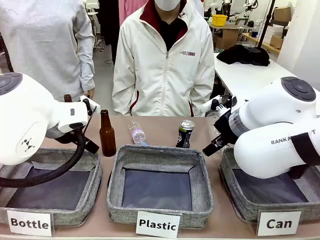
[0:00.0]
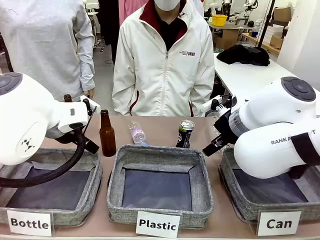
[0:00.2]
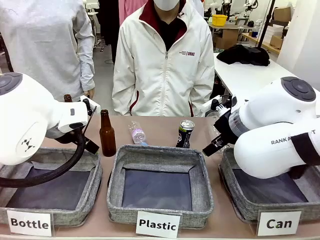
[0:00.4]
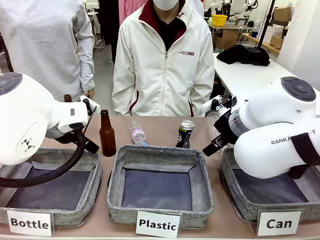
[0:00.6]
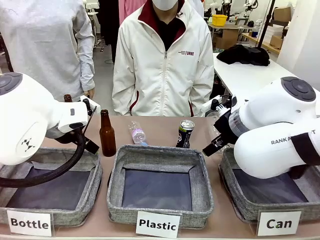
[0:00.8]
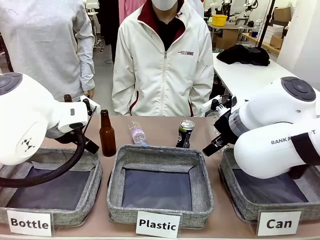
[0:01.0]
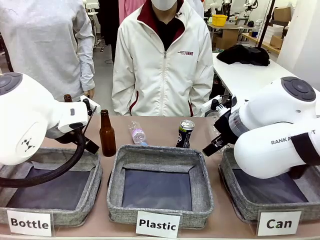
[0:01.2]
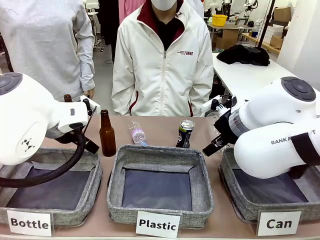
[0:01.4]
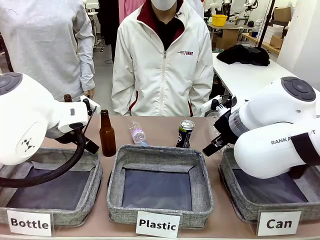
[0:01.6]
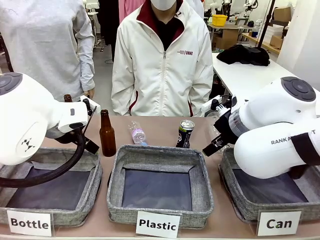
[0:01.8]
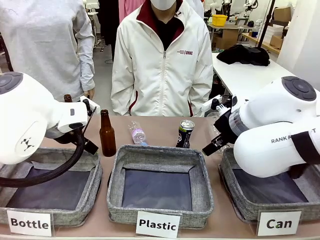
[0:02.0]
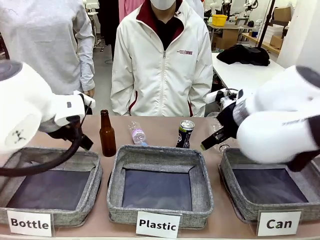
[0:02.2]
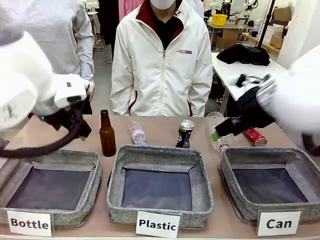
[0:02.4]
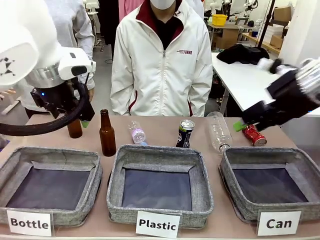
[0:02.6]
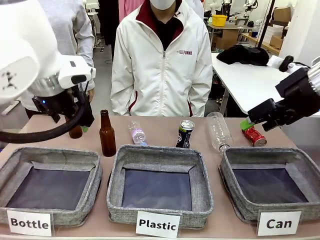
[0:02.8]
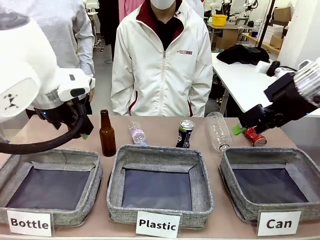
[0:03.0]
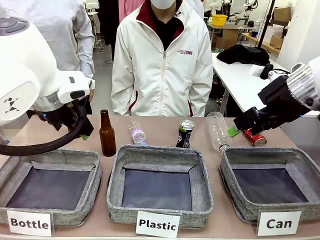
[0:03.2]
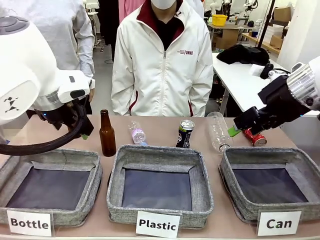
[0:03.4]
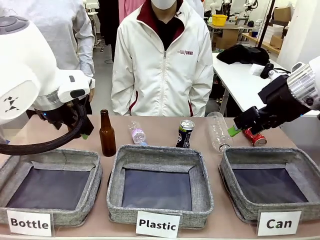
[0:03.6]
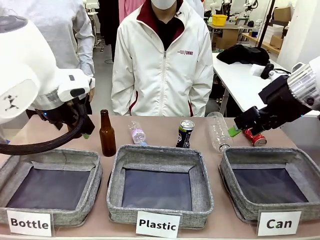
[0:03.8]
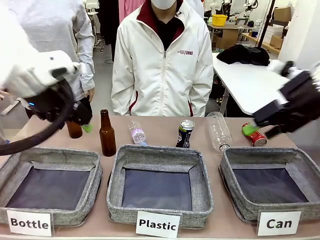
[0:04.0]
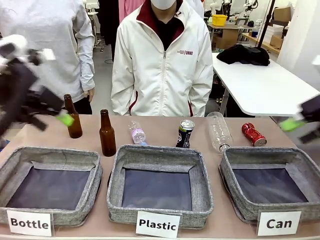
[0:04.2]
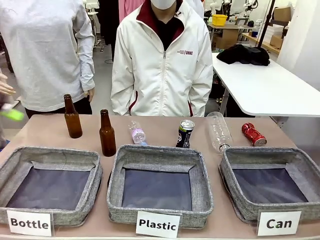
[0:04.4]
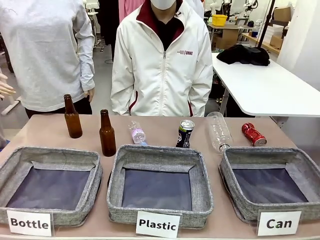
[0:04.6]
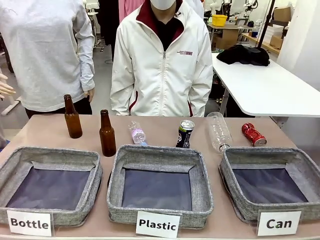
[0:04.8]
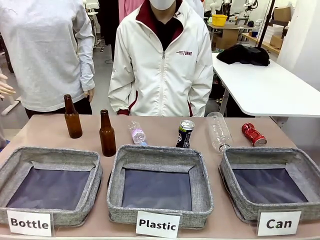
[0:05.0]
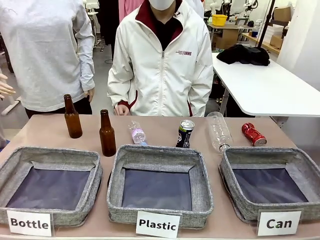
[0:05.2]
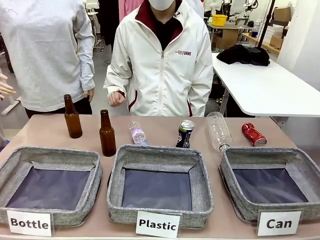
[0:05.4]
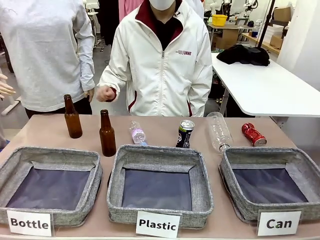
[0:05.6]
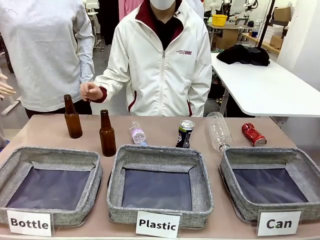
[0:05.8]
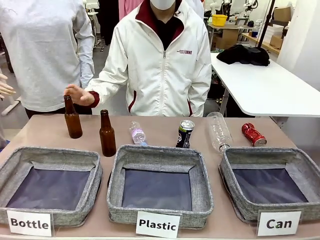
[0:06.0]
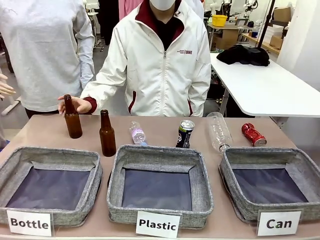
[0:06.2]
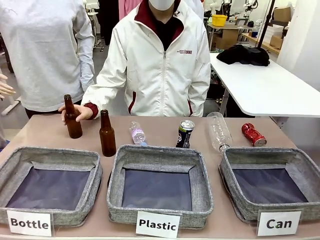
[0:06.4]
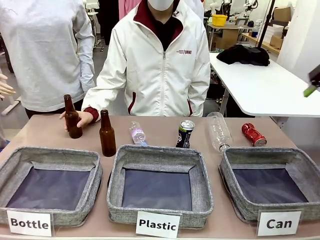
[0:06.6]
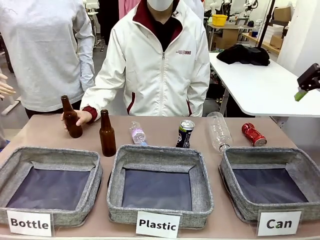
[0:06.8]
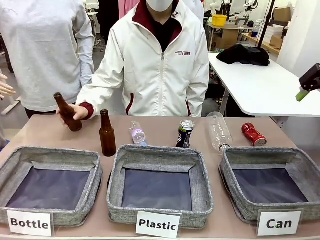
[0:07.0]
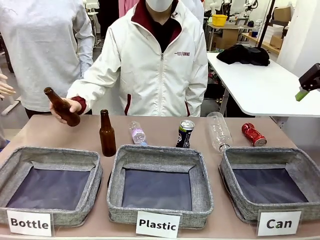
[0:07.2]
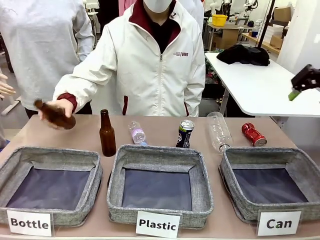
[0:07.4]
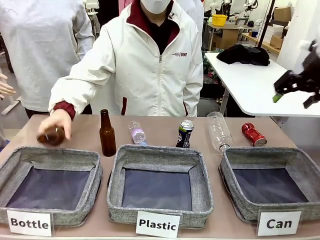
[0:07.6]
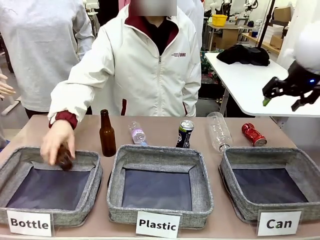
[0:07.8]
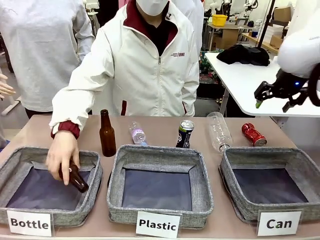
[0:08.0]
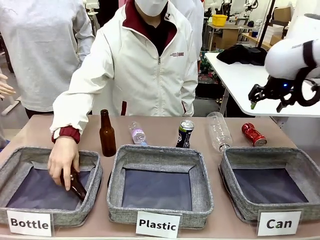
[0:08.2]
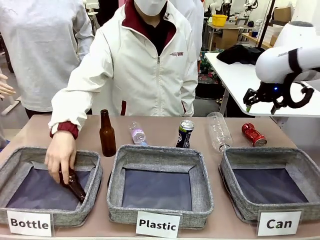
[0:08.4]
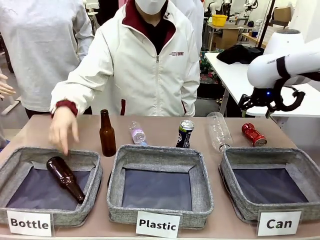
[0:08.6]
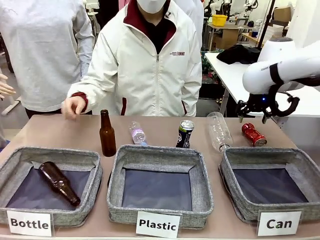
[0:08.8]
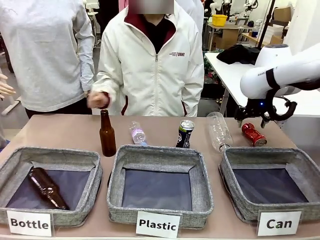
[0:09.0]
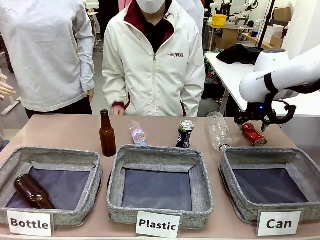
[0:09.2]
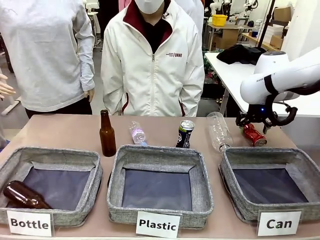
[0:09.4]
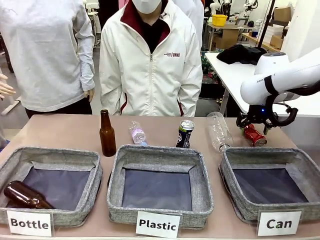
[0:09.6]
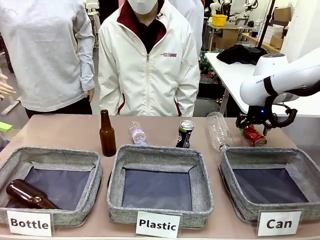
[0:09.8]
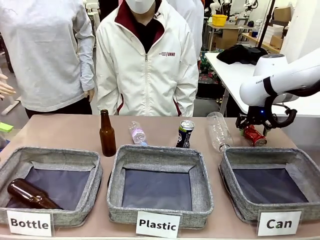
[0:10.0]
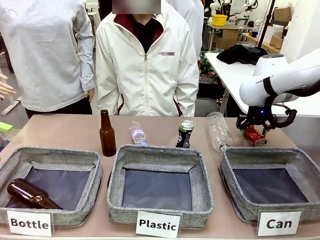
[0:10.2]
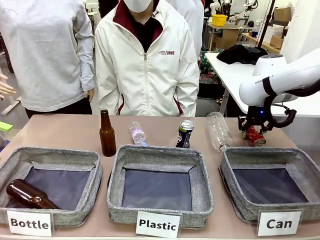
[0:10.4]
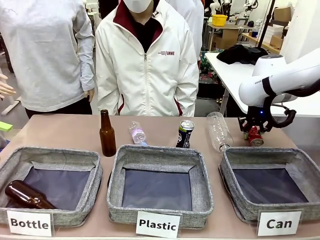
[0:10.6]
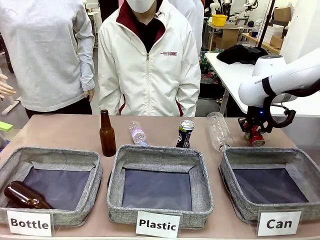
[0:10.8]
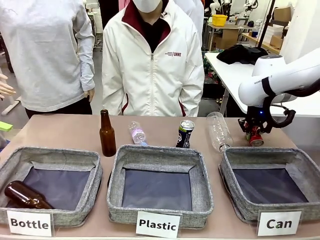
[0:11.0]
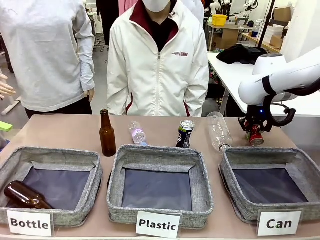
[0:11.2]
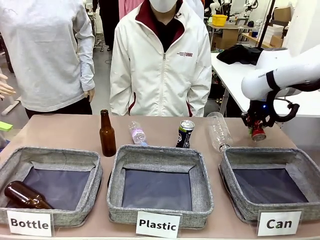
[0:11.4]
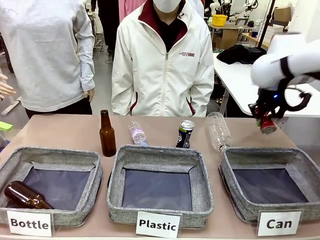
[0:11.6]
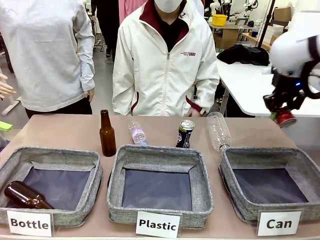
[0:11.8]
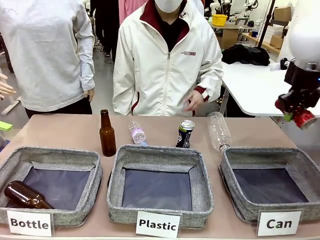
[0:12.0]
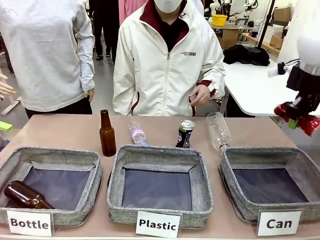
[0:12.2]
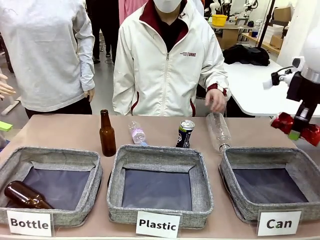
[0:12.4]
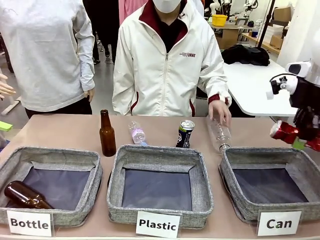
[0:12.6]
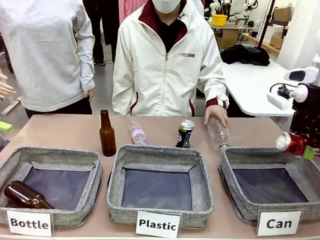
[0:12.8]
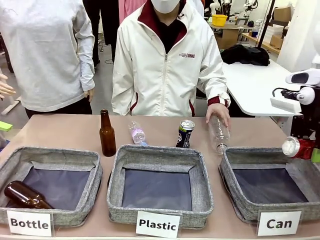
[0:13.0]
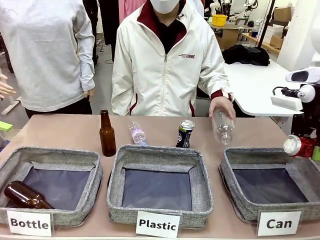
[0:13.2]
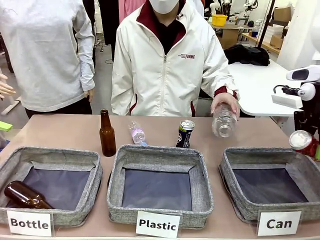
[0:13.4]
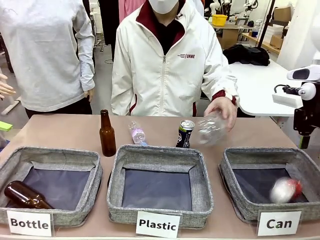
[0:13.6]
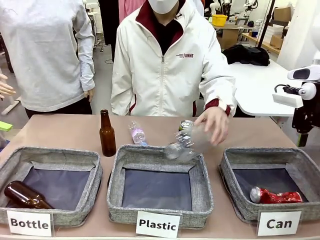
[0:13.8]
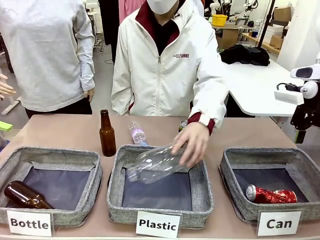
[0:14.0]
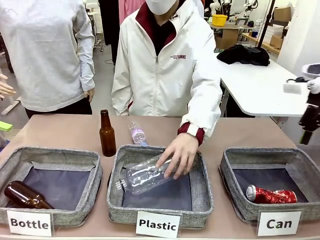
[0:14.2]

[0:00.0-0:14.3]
Task: Sort the can waste into the basket.
Robot: Pick up the can waste from the table and place it in the right Fabric basket.
